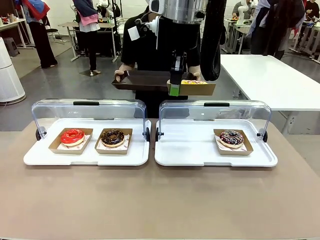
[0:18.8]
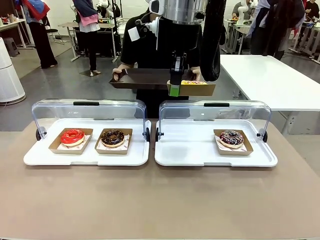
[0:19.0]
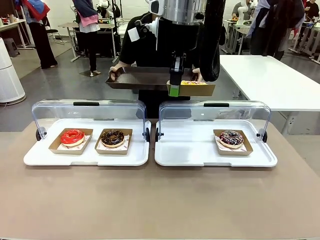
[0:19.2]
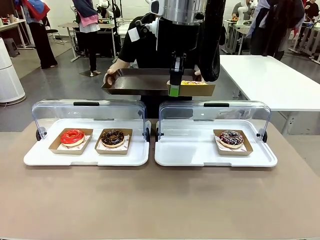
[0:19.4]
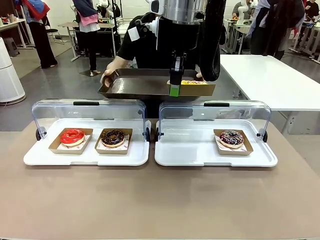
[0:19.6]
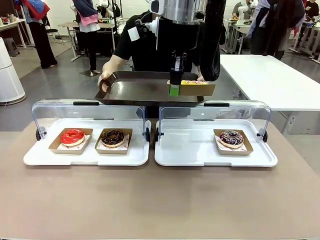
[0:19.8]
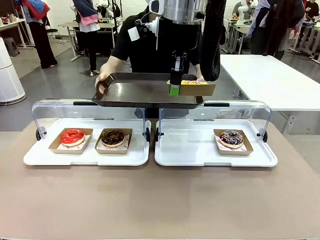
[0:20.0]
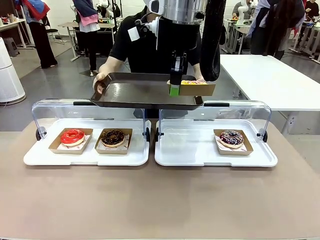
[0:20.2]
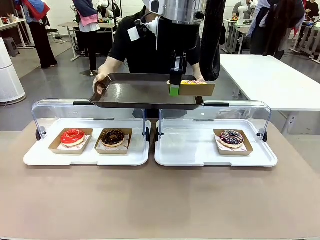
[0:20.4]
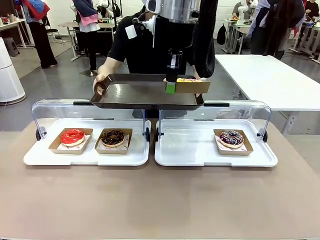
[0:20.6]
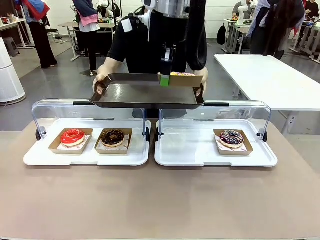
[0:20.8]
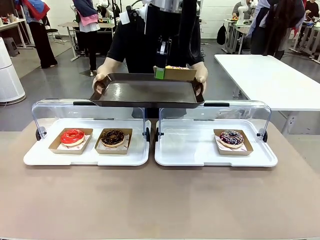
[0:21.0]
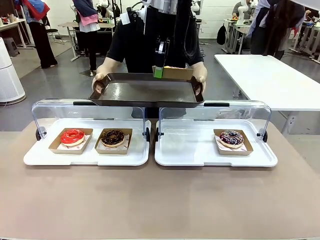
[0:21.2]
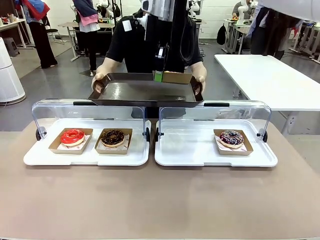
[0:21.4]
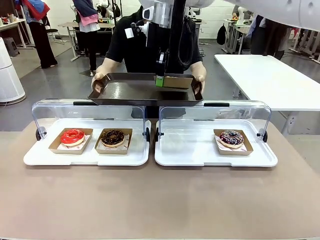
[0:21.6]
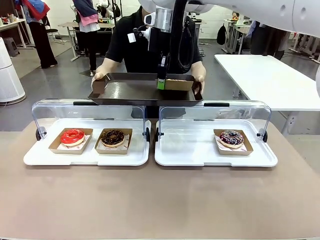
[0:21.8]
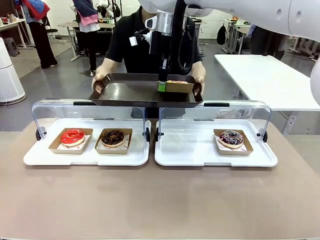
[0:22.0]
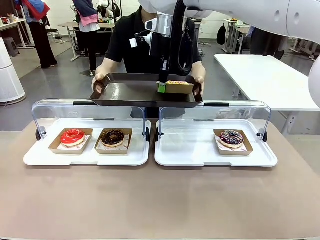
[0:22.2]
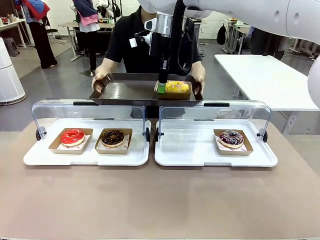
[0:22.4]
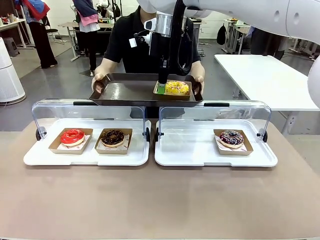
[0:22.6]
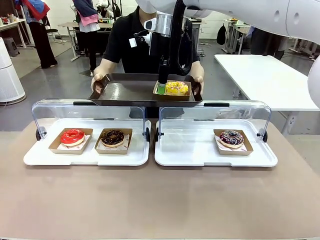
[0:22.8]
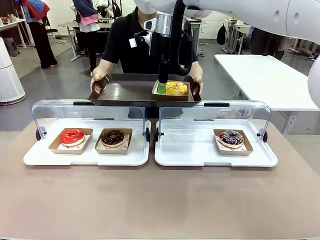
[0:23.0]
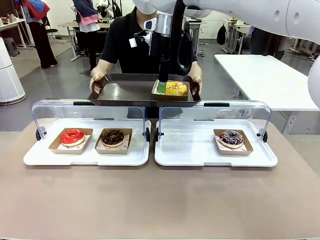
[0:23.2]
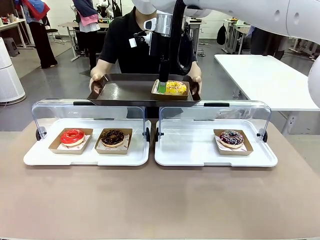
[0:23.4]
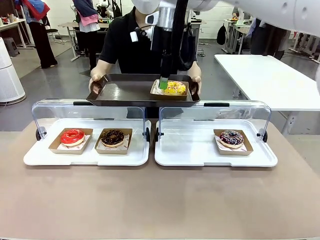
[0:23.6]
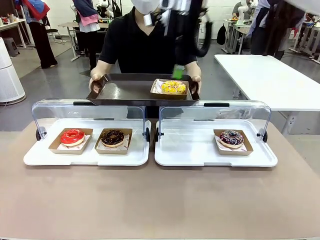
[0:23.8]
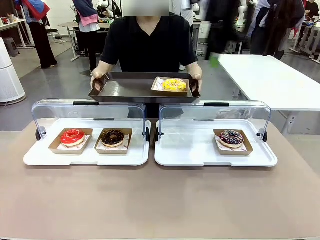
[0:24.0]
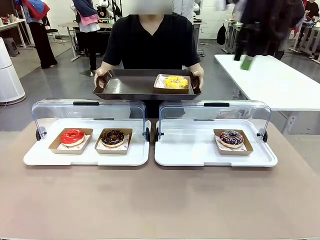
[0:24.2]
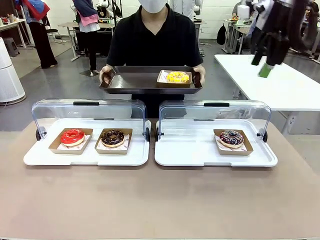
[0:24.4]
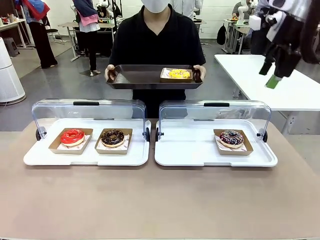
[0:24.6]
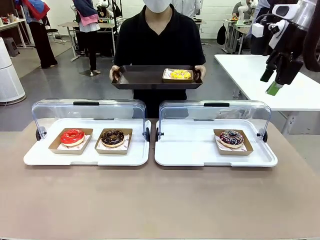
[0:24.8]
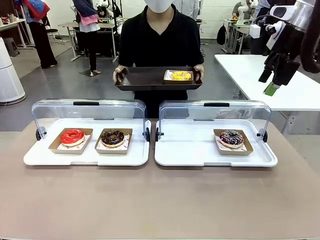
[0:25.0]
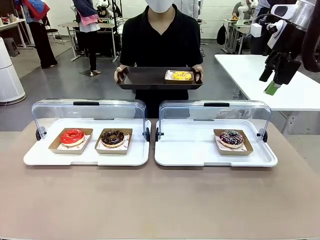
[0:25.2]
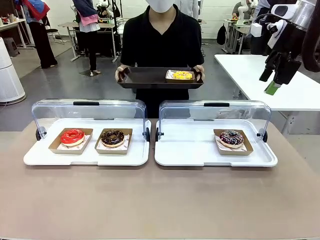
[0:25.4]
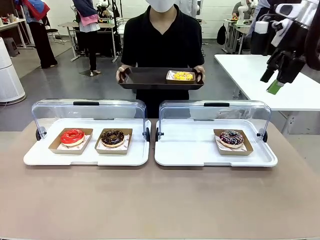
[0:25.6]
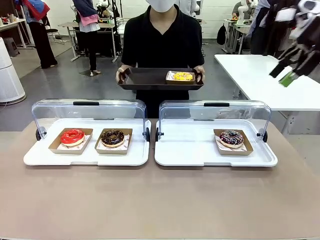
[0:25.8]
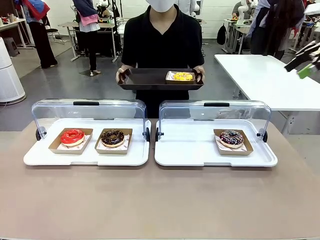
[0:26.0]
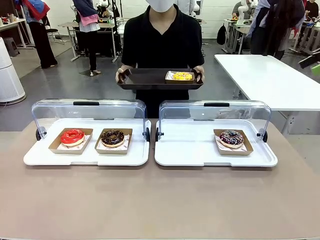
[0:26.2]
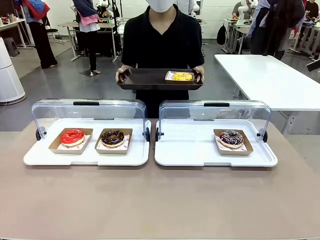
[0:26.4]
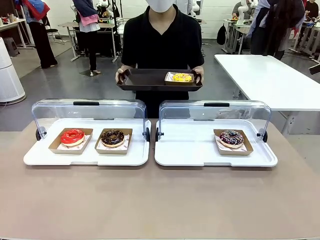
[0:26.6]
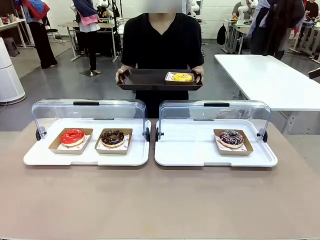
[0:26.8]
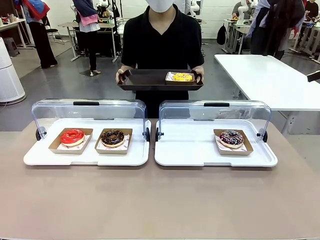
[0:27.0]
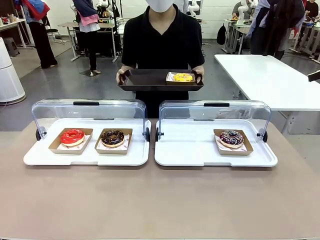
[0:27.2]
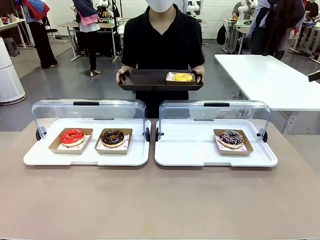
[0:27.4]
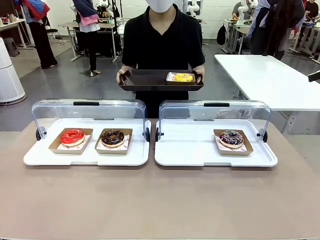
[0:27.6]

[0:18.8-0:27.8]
Task: Provide the desired donut to the person.
Robot: Place the picked Paper togo box onto the Handle tray extended by the person.
Person: Point to one donut.

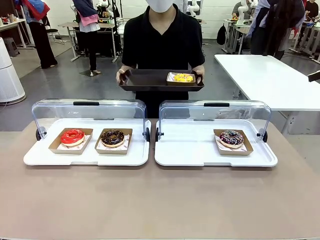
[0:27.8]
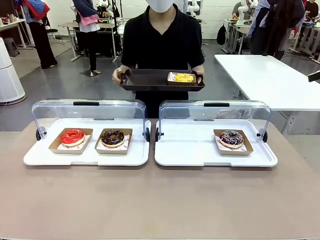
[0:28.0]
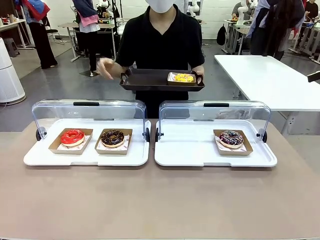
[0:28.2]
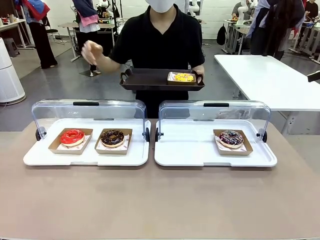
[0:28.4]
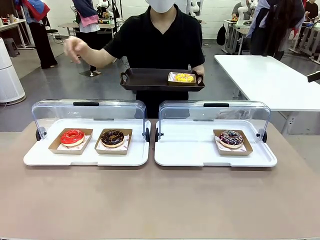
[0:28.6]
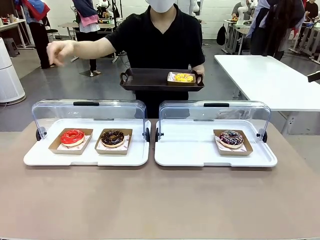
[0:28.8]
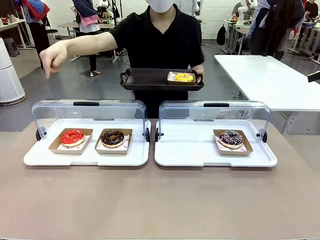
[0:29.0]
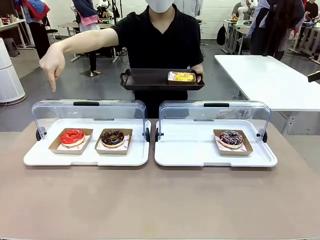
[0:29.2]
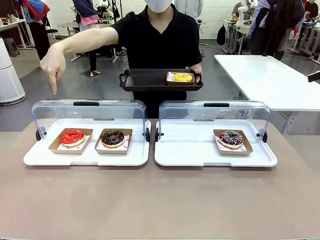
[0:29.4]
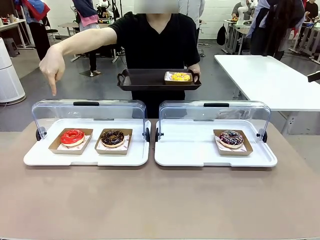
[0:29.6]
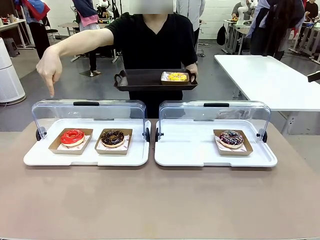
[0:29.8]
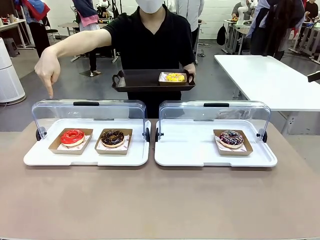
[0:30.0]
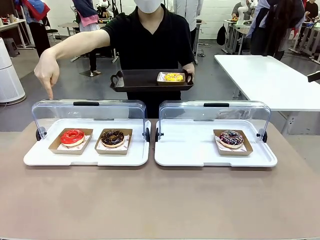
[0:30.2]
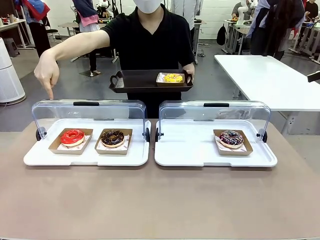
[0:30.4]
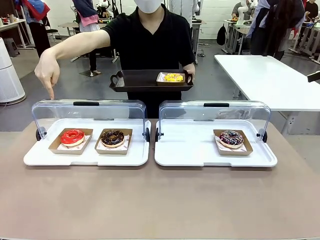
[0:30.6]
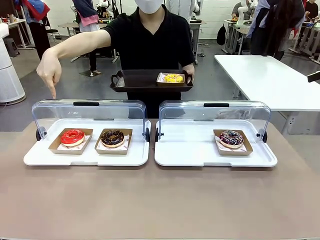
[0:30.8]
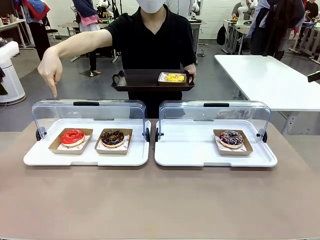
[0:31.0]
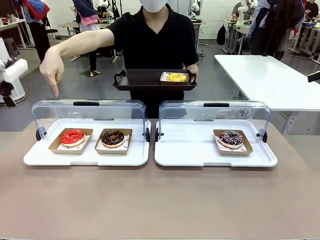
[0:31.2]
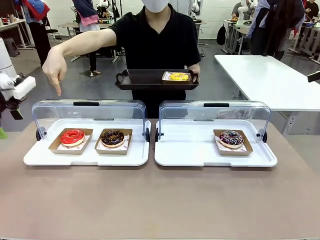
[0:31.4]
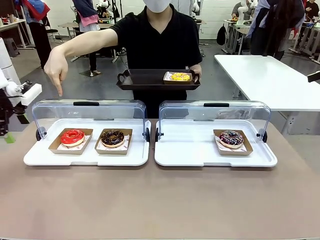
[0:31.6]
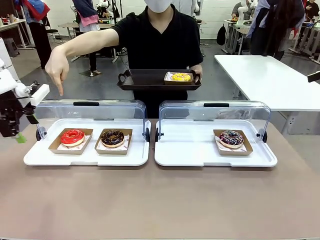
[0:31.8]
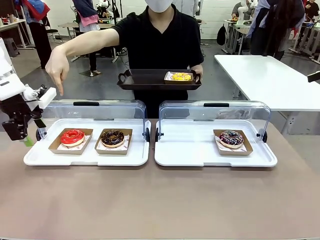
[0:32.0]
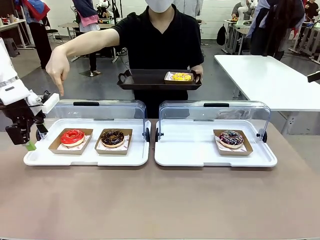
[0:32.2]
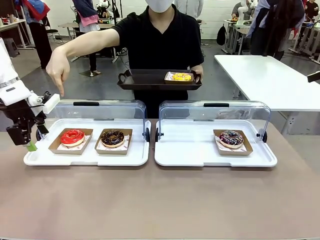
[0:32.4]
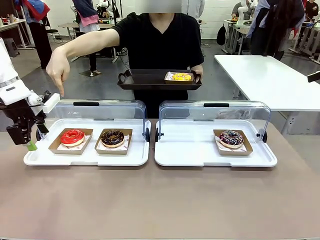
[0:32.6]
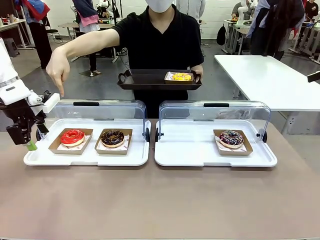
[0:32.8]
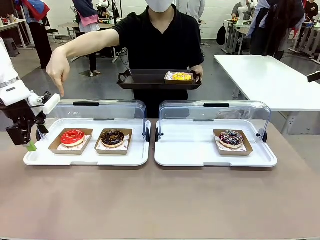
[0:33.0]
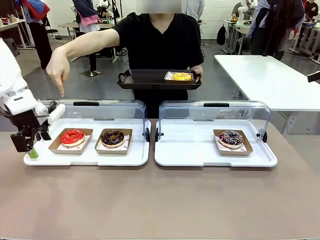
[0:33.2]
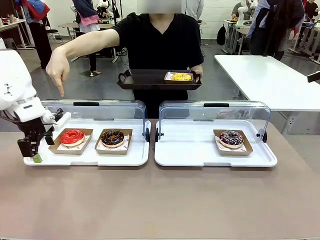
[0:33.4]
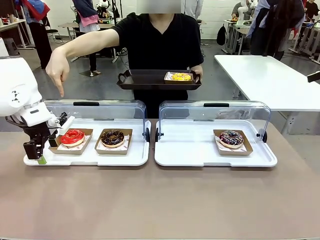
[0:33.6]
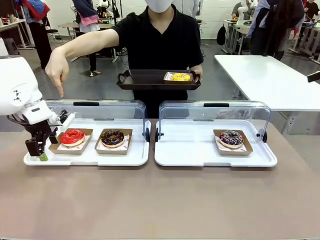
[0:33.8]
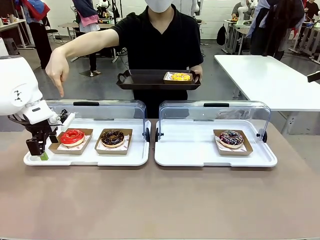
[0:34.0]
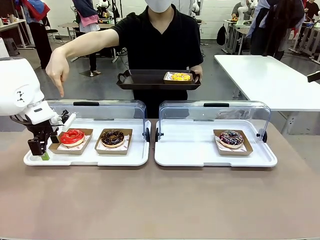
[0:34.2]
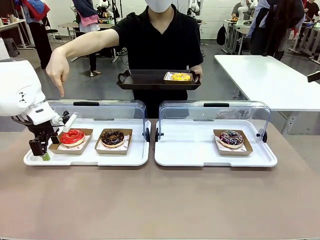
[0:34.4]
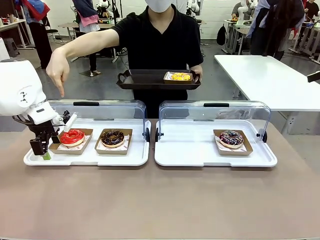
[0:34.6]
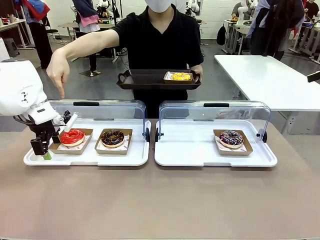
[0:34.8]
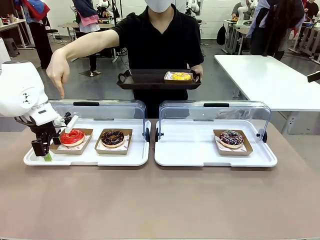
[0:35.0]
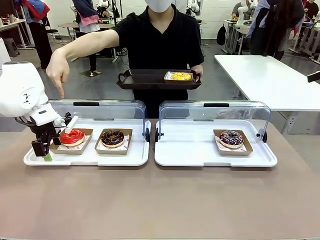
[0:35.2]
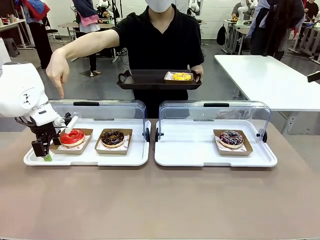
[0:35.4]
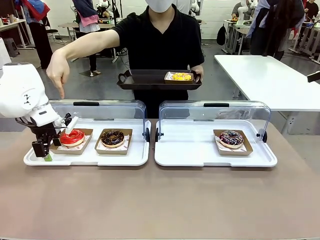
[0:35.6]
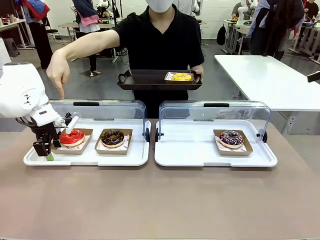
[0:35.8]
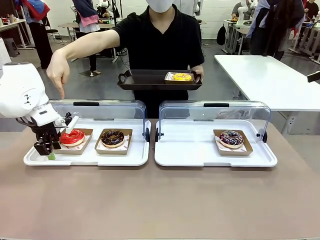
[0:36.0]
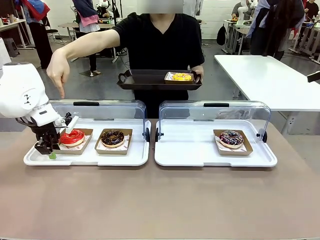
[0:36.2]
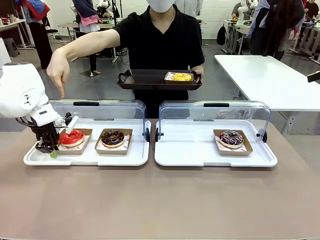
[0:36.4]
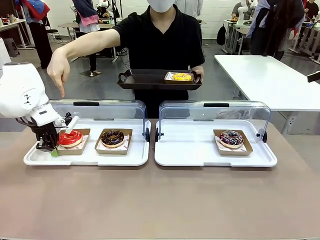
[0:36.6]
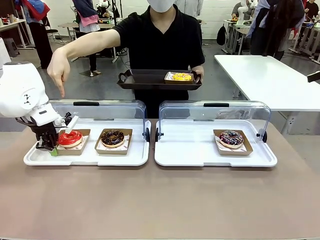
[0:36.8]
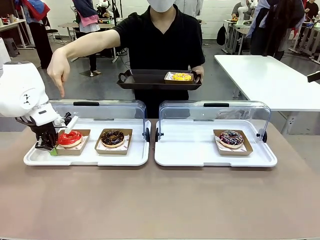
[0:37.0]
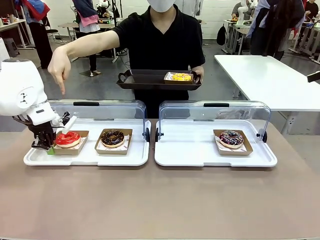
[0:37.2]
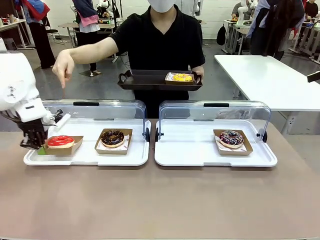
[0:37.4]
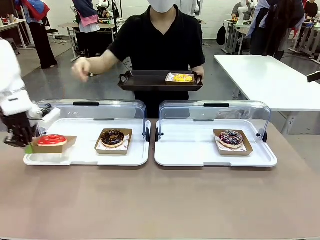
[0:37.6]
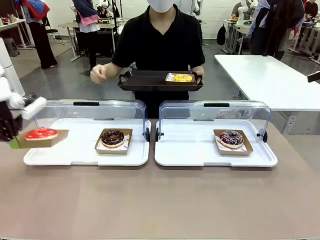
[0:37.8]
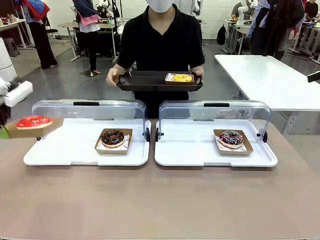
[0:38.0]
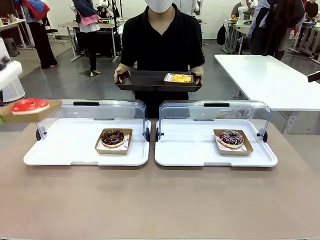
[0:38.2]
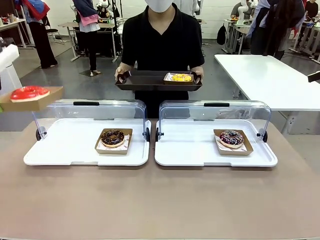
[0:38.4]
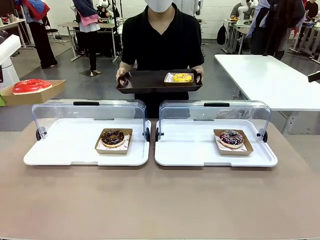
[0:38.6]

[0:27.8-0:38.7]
Robot: Pick up and lift the Paper togo box containing the Donut pointed at by the person.
Person: Lift the tray onto the Roll-Top Bakery Case.
